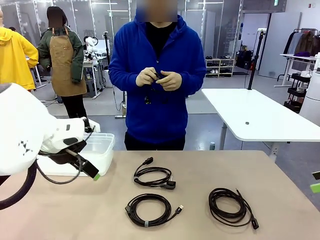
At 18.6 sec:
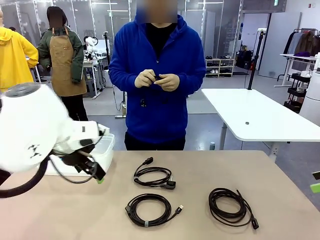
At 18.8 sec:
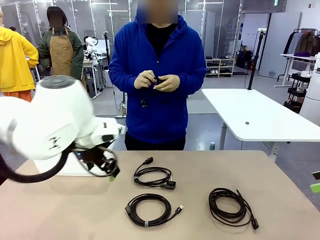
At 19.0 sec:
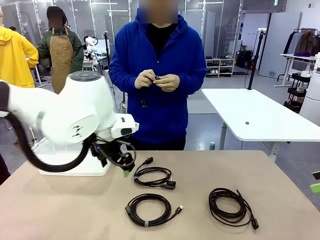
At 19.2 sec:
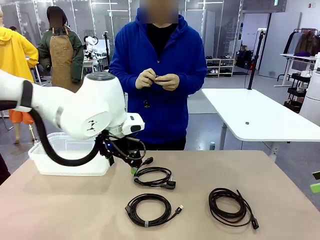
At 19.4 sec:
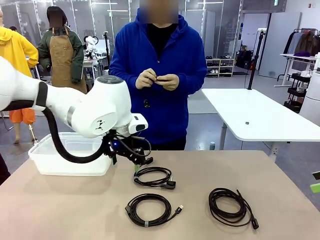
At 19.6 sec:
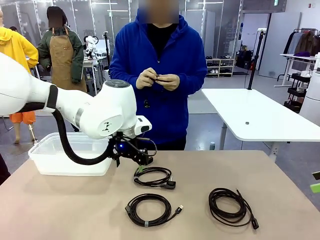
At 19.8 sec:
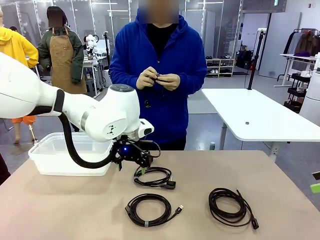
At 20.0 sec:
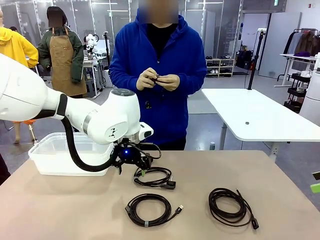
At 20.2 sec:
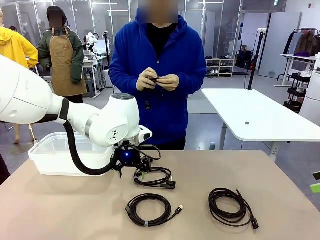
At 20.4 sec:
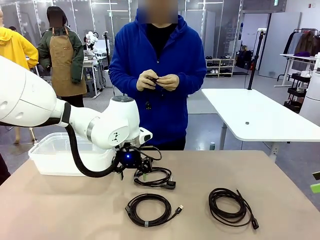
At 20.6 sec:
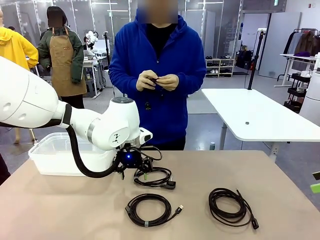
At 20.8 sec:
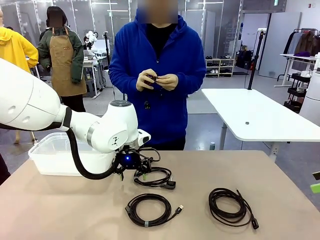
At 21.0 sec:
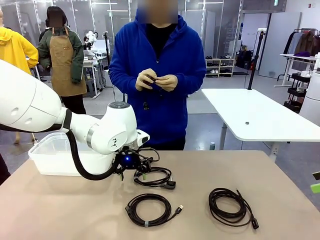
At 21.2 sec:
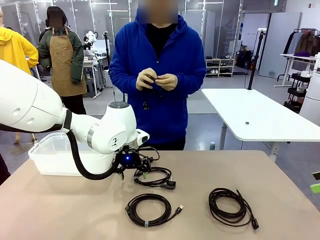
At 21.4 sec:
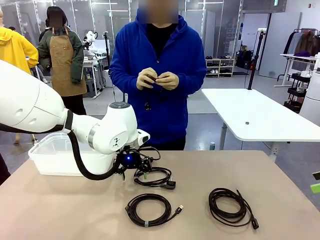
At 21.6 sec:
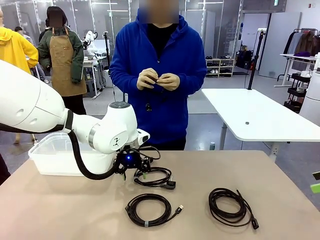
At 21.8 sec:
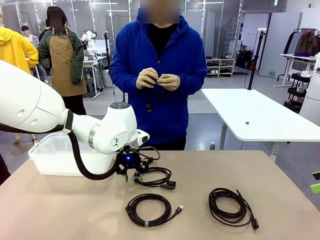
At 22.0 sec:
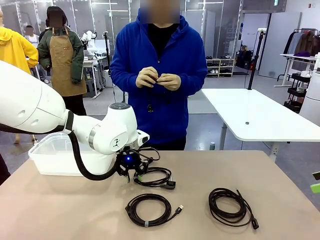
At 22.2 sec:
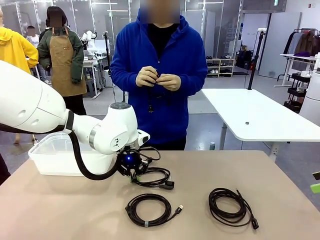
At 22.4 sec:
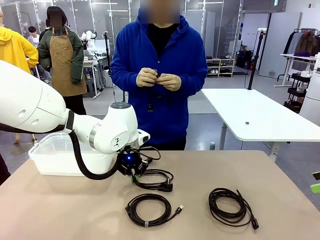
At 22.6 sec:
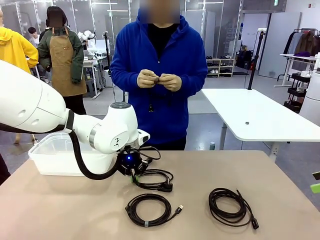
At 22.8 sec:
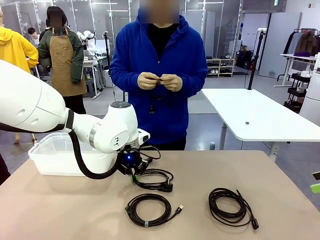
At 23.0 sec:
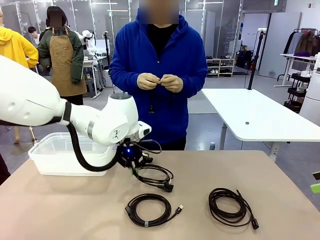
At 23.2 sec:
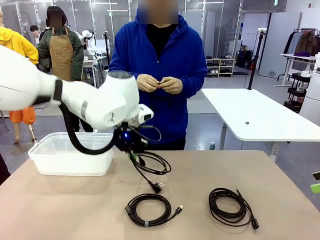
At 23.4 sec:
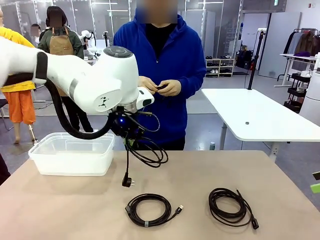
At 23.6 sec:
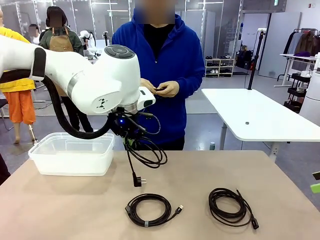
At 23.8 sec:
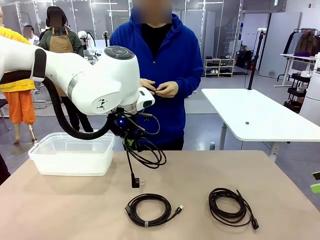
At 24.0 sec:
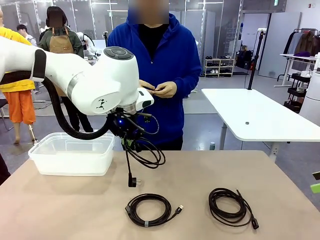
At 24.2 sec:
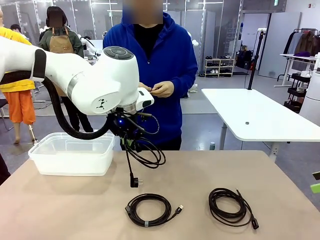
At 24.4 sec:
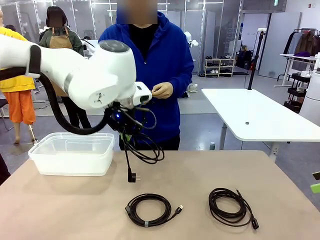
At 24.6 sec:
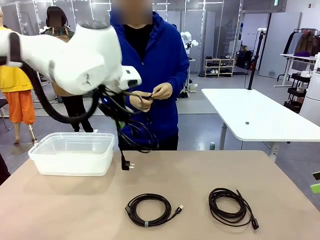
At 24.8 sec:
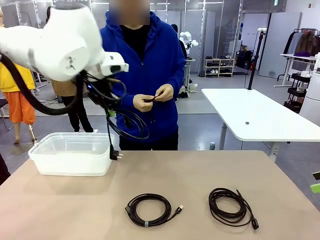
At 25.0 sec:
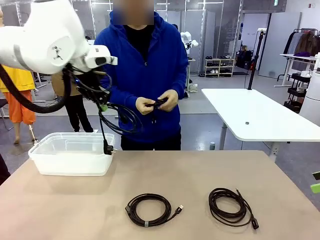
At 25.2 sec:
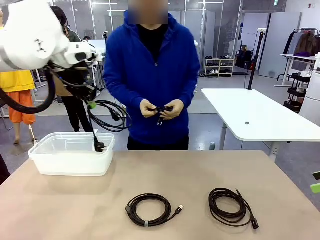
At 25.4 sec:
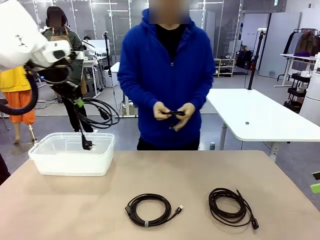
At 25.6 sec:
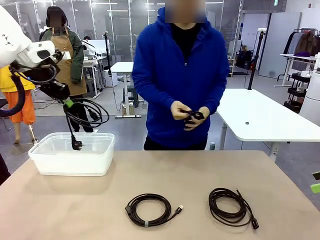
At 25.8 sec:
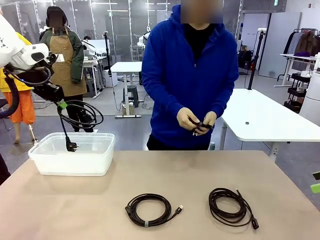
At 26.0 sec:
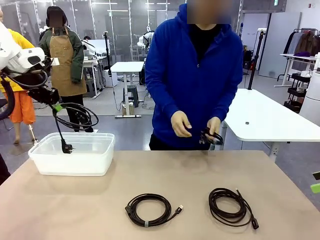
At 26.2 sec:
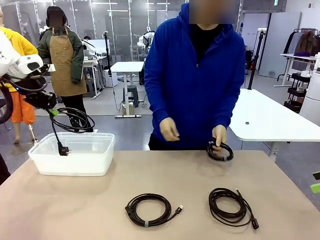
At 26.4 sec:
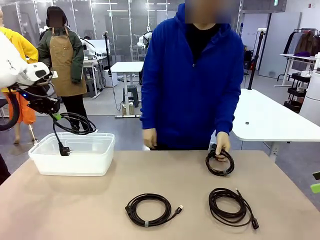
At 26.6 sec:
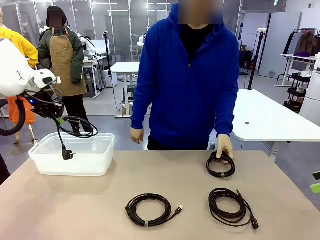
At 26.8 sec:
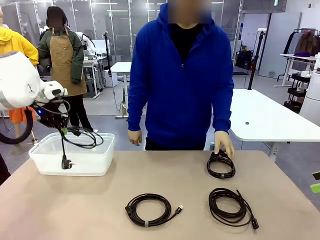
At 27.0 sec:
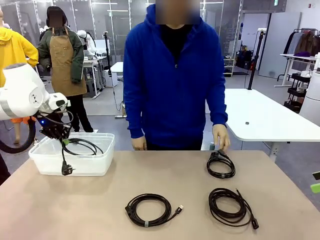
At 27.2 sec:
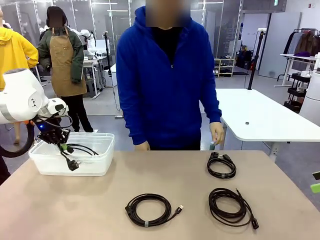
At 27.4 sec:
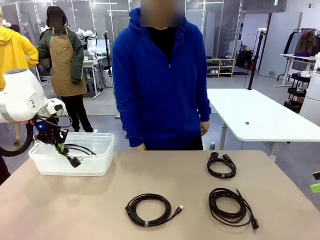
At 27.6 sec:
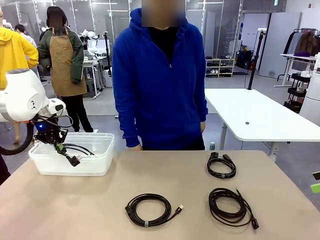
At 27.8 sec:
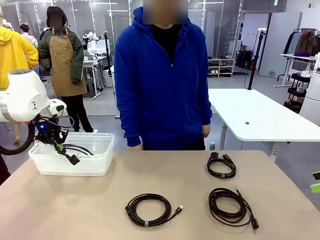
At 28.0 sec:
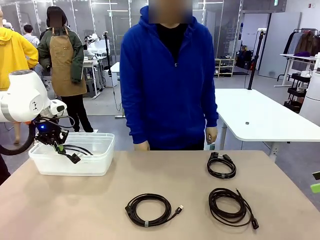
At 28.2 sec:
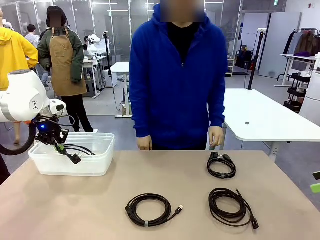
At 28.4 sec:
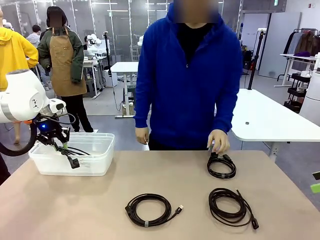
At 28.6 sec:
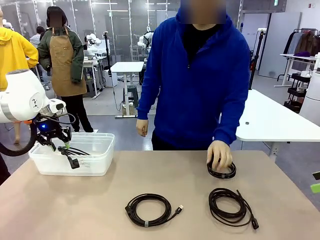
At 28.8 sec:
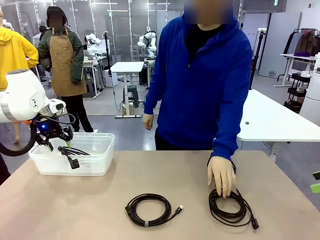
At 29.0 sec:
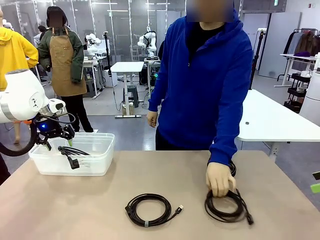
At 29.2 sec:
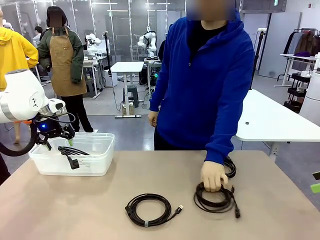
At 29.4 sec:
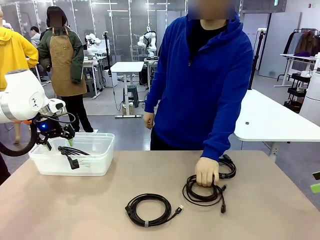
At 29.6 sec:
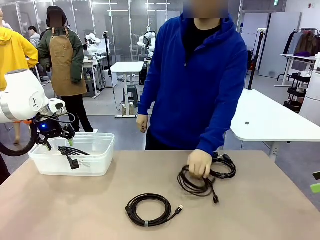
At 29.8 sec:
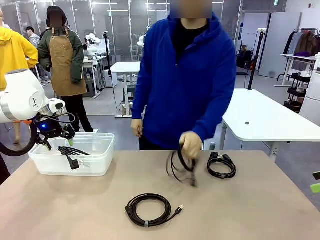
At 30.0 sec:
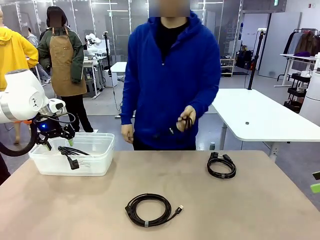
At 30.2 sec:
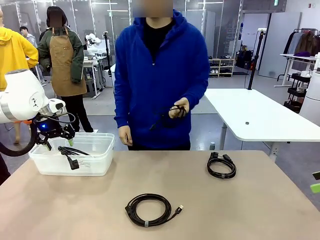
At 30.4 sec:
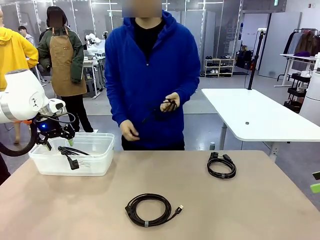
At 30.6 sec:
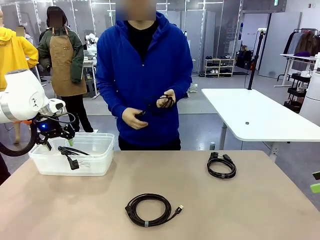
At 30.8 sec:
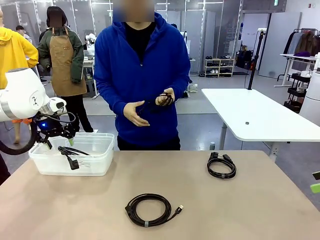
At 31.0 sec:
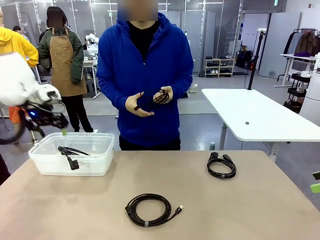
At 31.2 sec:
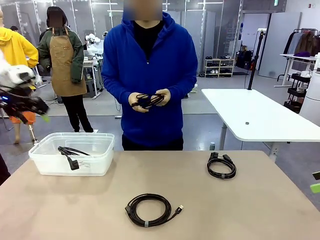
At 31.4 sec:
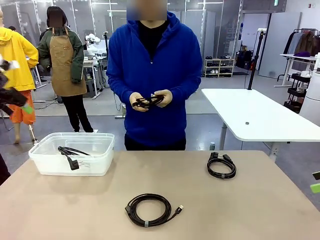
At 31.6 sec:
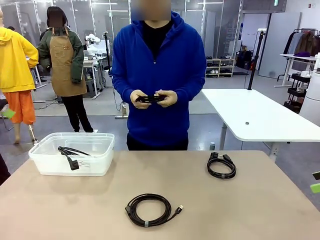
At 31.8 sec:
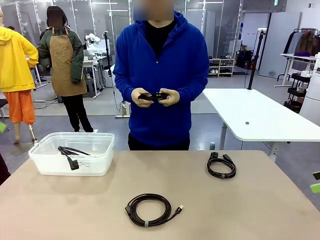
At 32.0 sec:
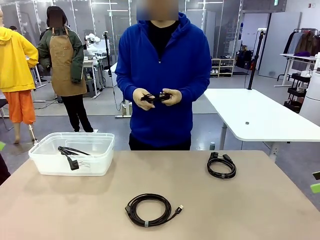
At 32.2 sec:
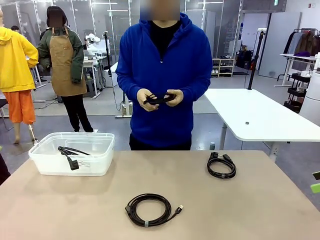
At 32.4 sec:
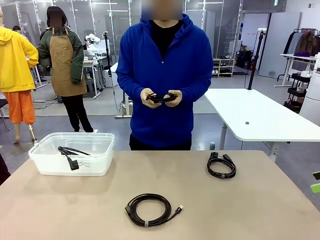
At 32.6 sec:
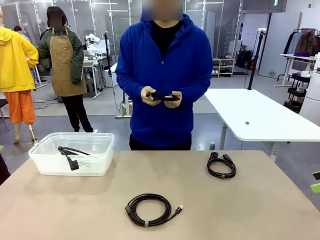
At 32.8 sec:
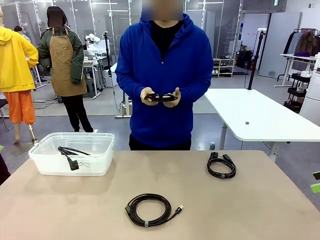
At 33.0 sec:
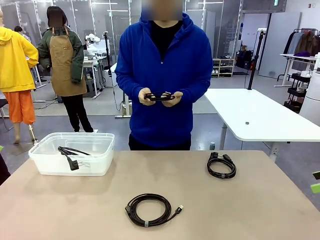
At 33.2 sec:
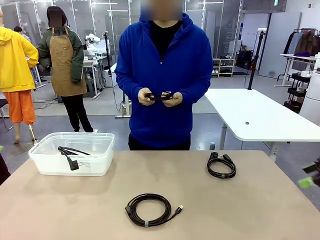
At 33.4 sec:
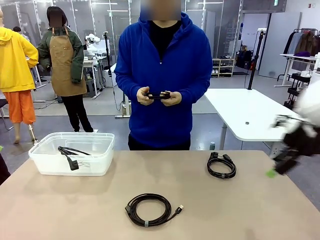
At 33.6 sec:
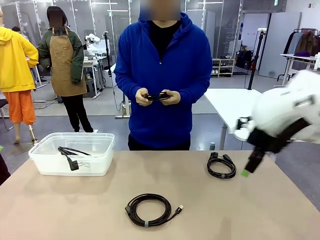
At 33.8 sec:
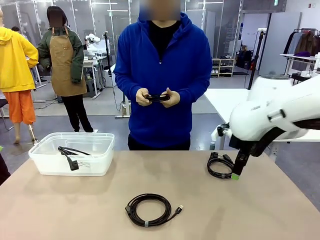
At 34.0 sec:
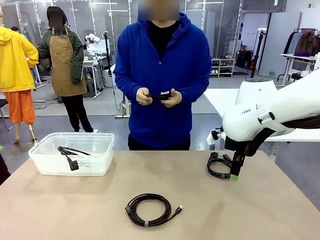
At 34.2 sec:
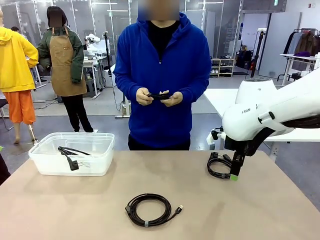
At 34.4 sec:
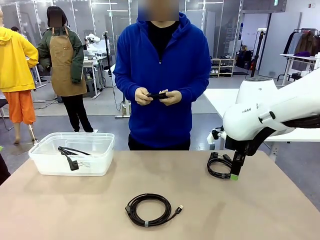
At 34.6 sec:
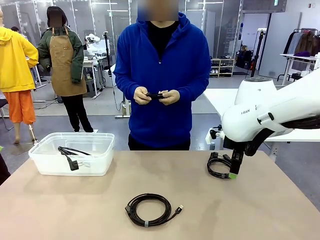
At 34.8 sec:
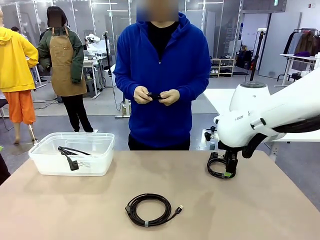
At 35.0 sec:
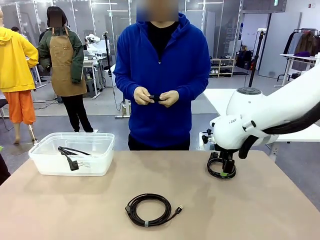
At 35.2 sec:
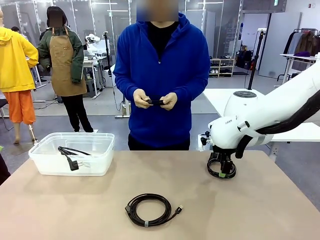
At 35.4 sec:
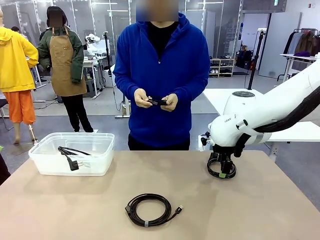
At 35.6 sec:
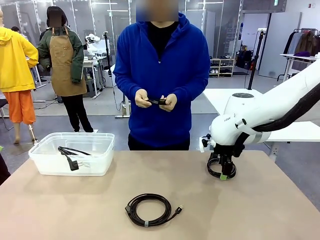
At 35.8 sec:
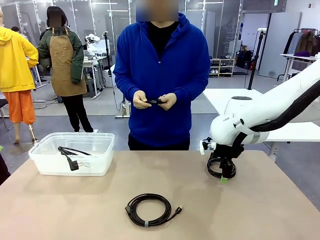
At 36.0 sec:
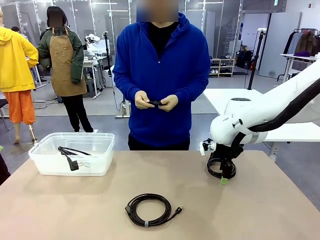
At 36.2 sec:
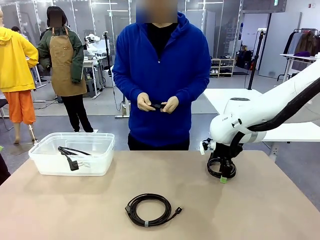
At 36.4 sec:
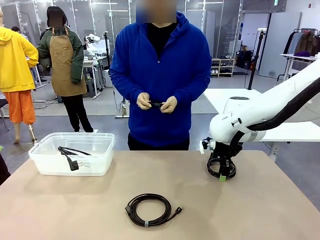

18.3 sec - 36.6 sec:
Task: Organize and store the cables.
Robot: Place the Power Cable into the Organizing box.
